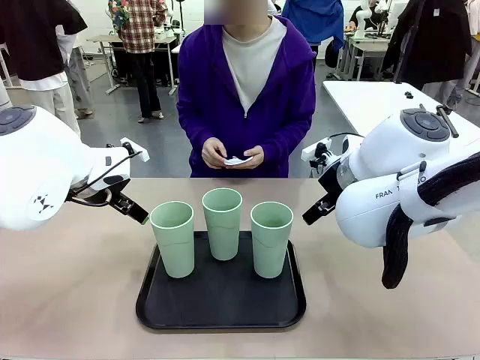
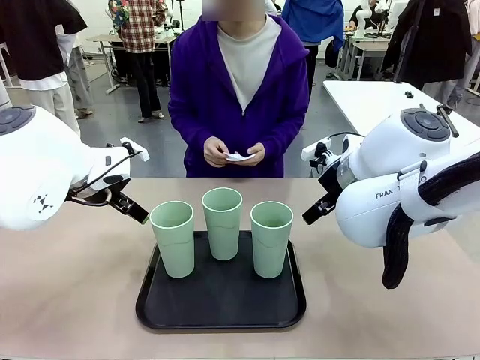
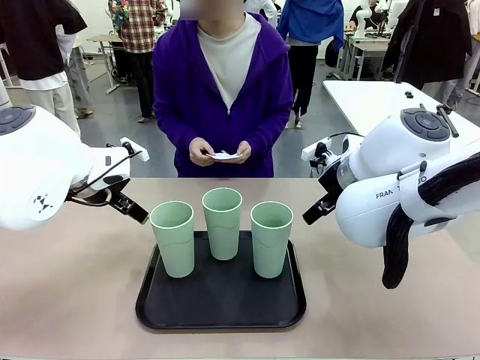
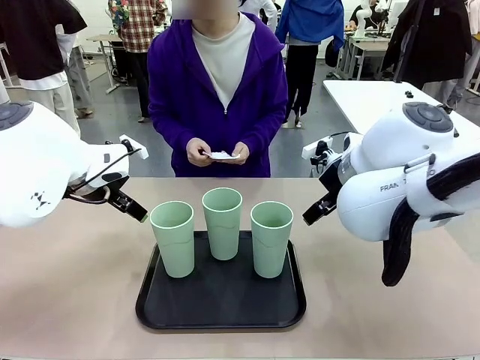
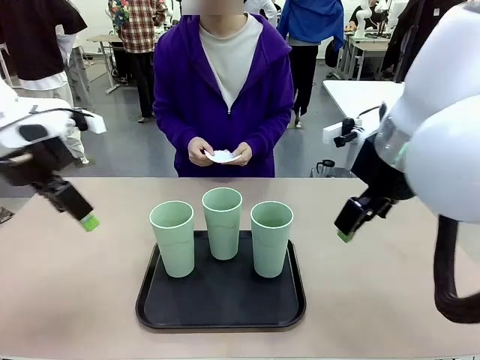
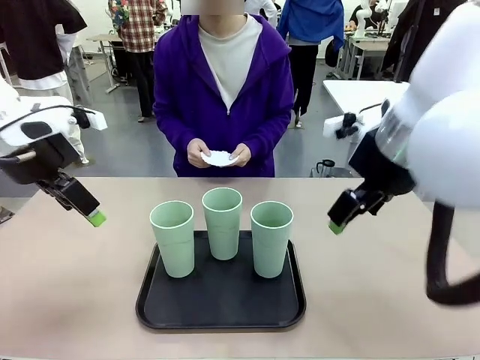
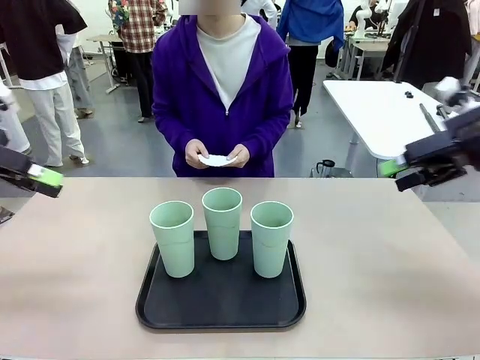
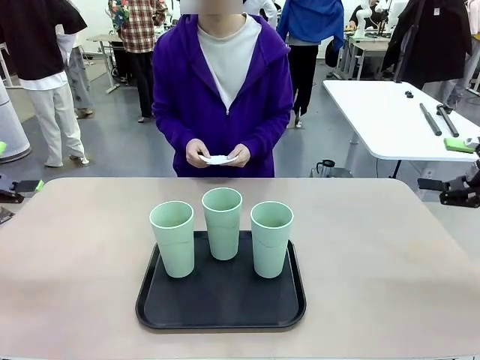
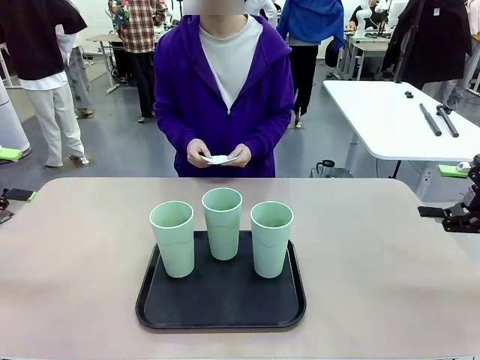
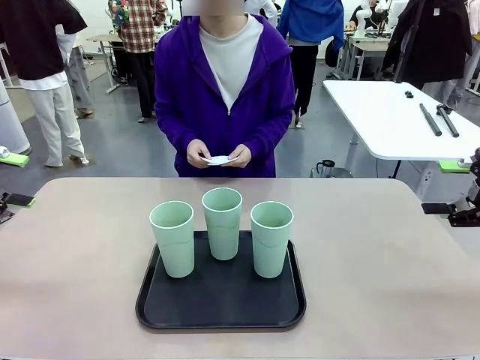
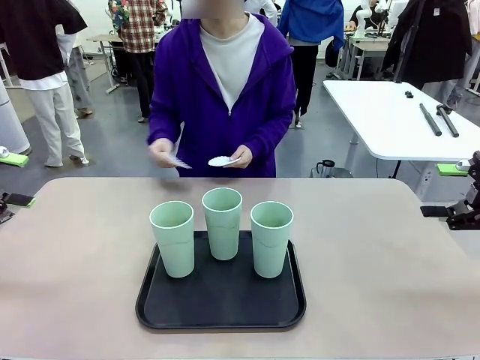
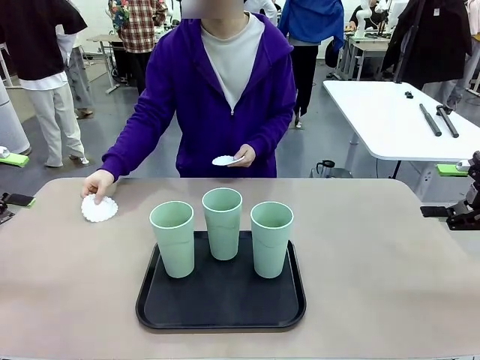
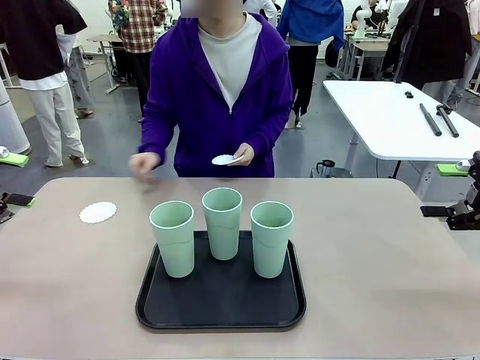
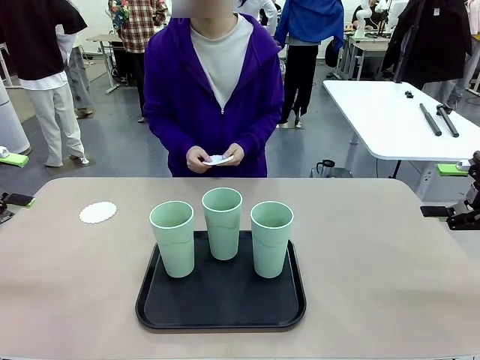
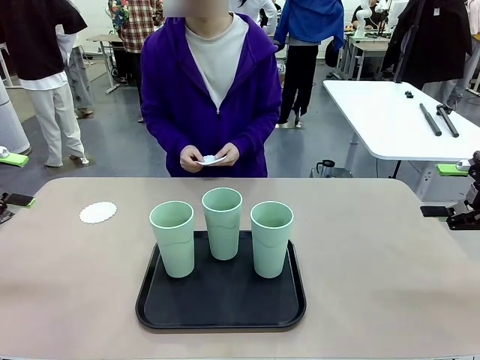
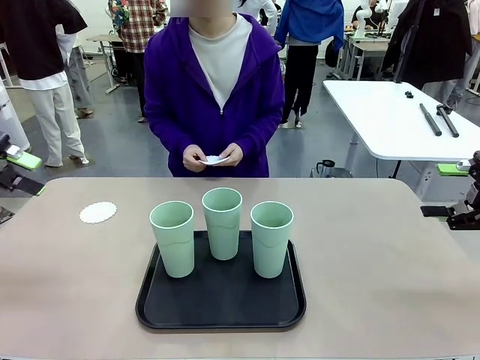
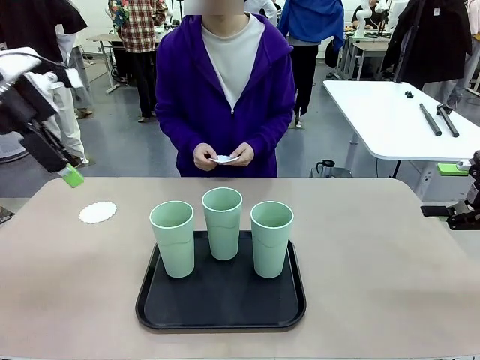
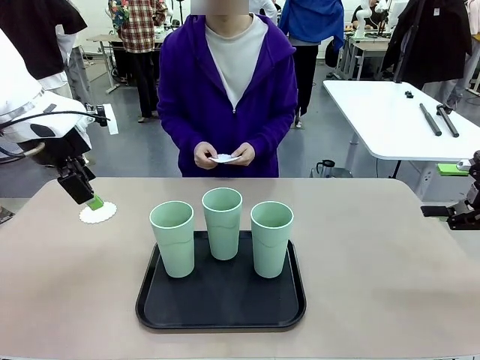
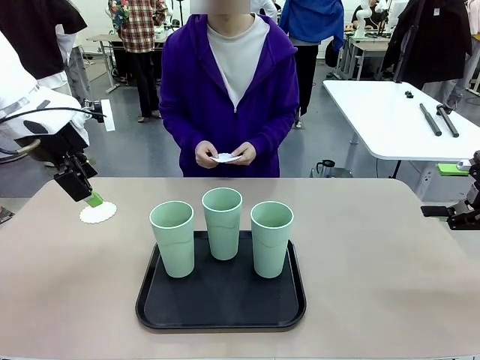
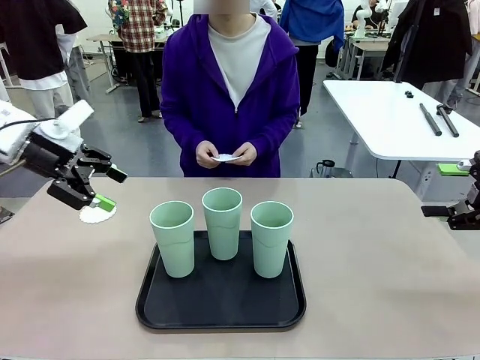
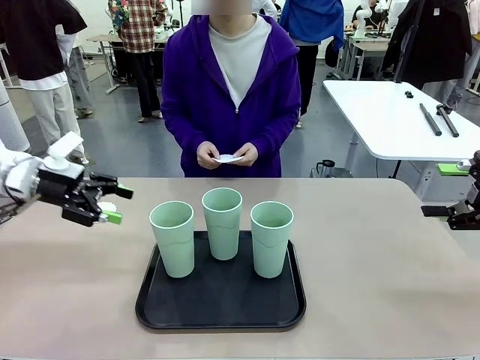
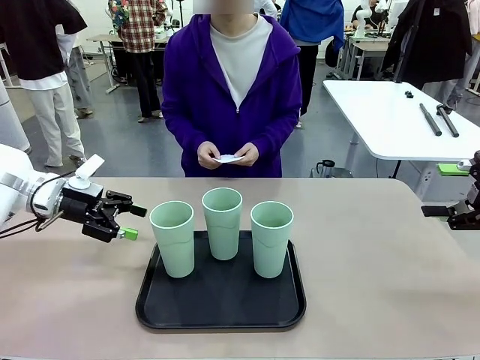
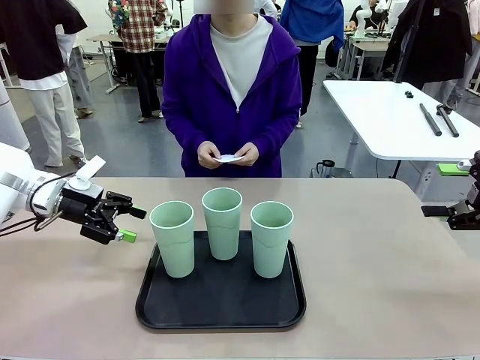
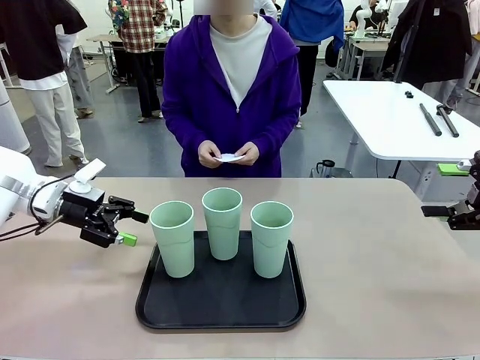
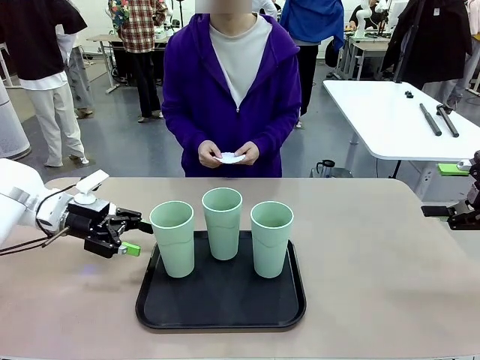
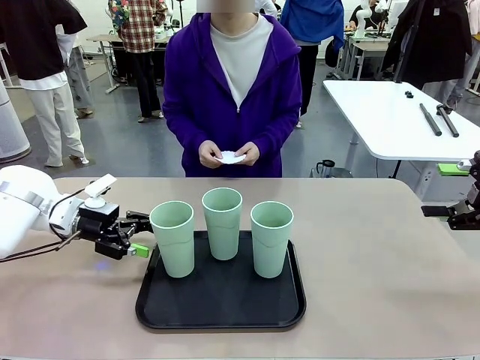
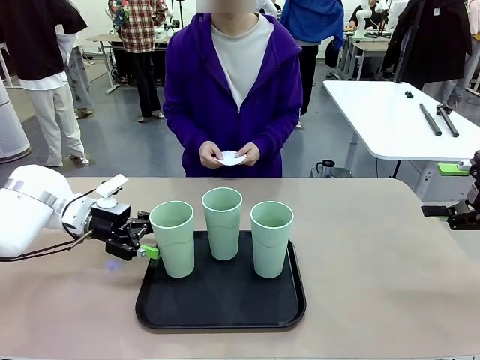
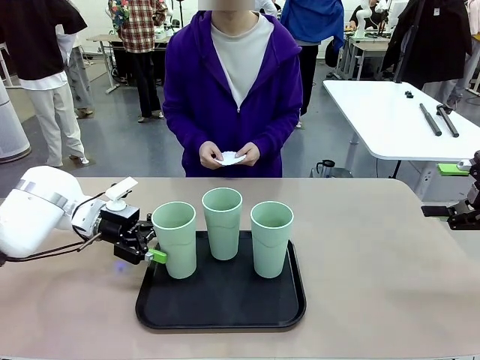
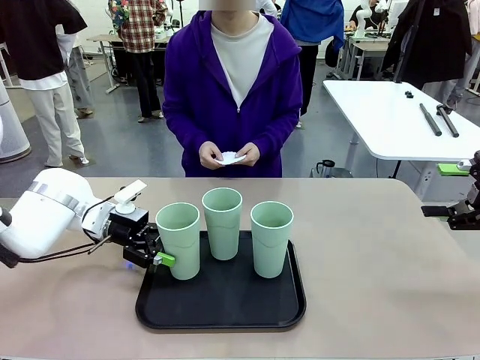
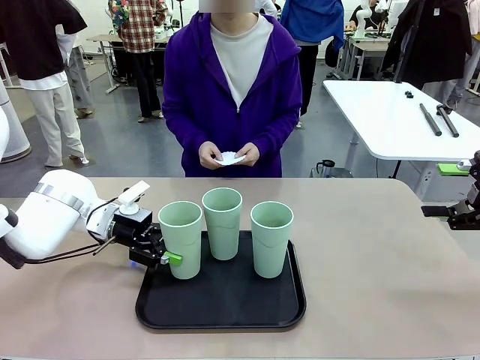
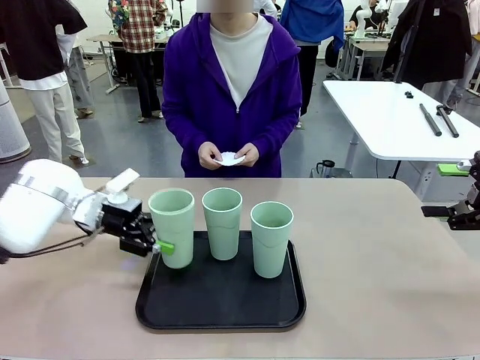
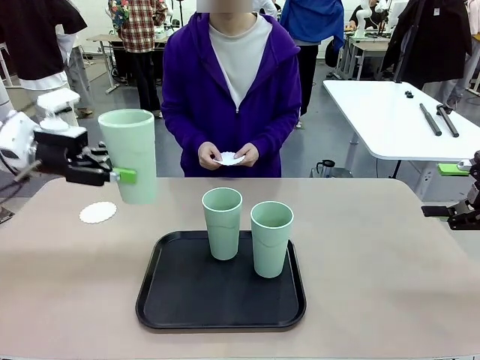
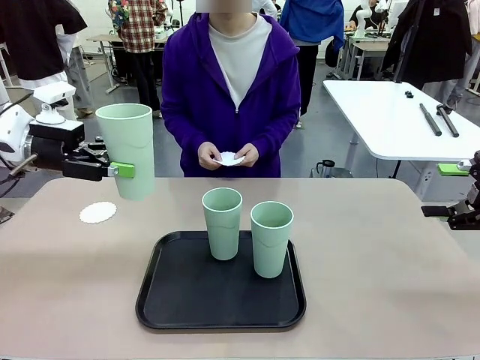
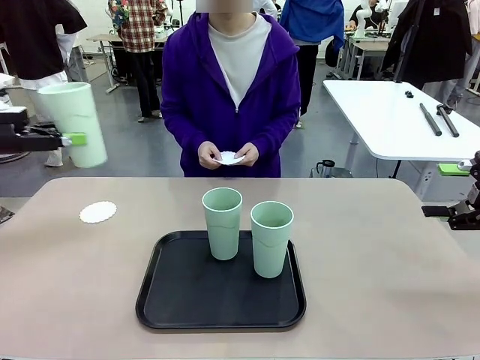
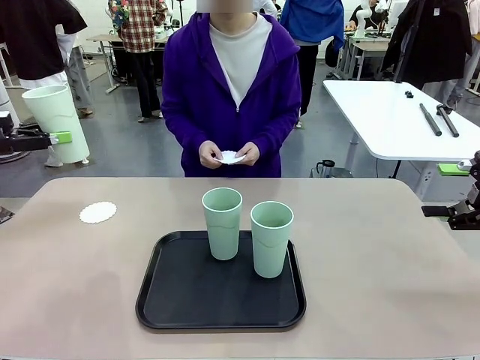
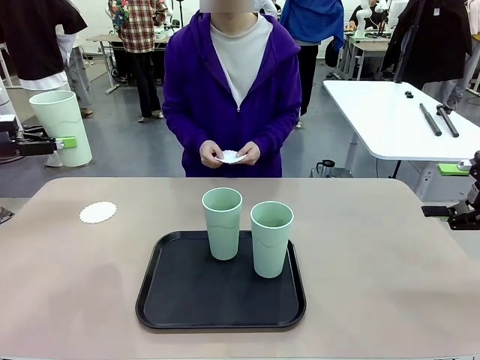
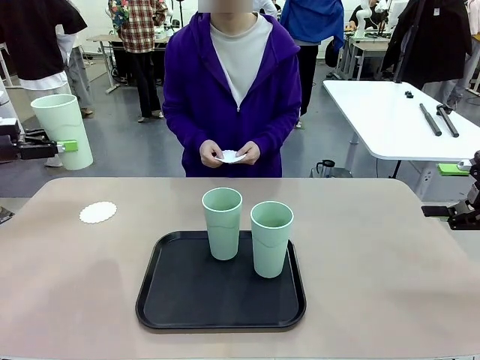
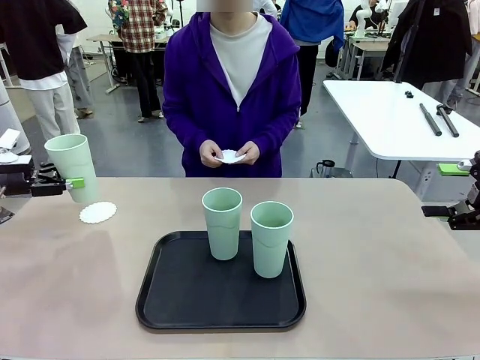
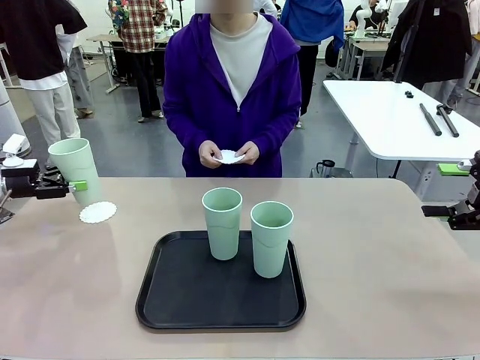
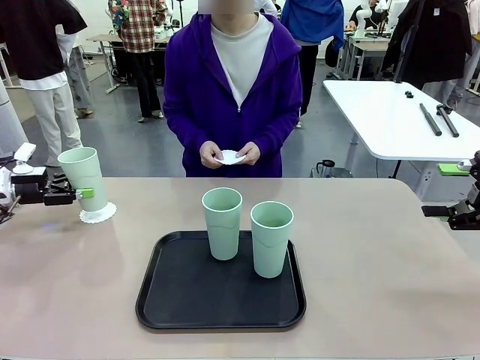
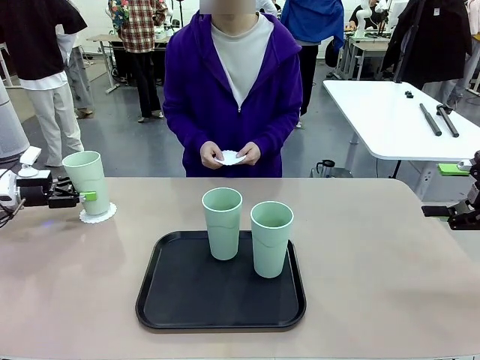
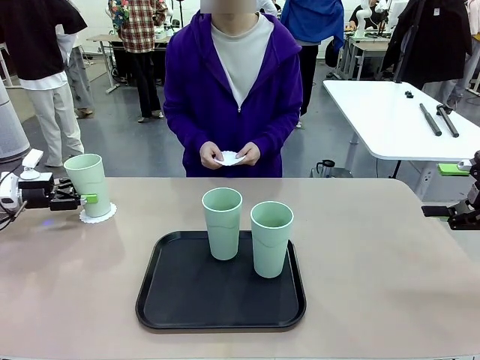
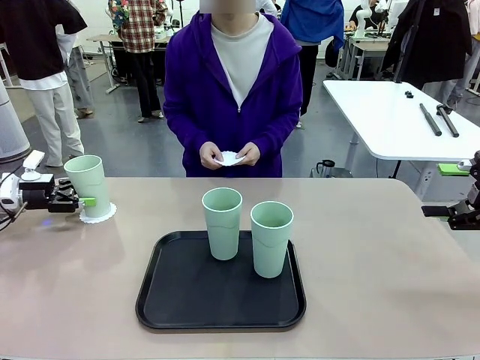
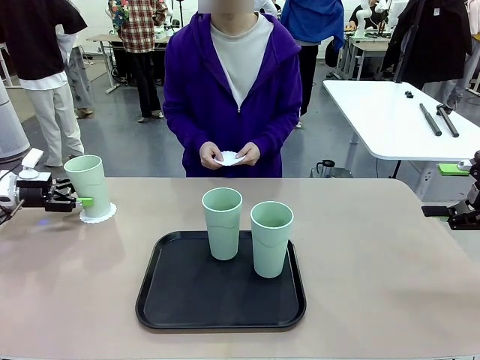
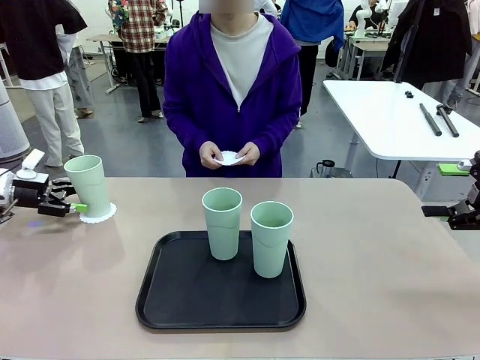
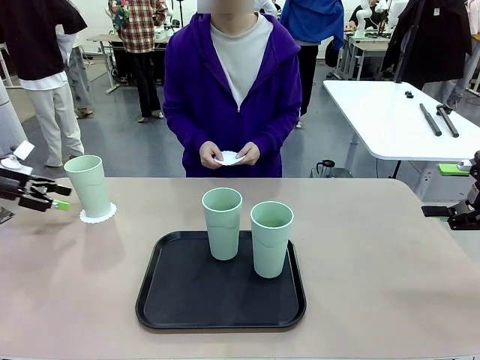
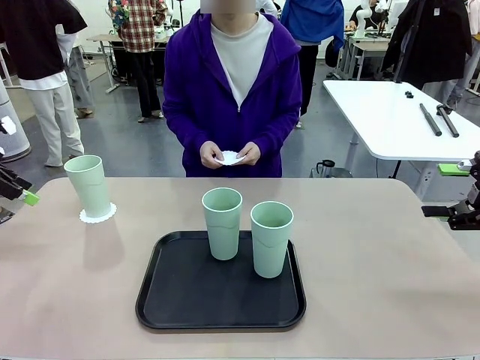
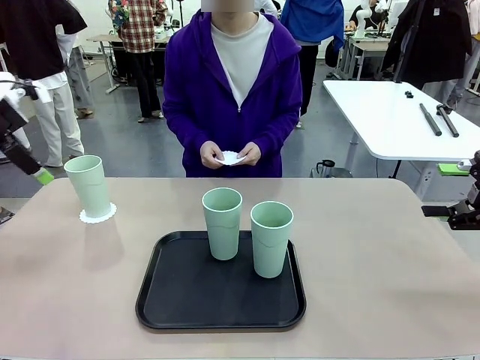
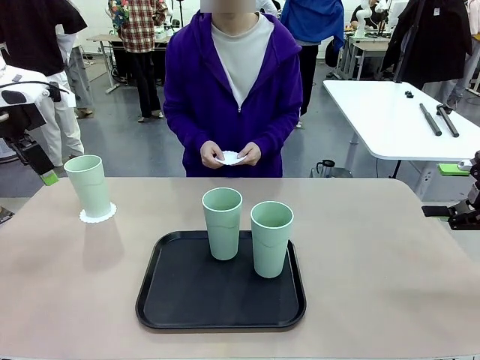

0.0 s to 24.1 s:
Task: Place coasters on the table and set cups on them.
Robot: Pick up one Reusable plastic cup and place it on a coaster set by the human.
Person: Place one coaster in any one of the three lower areas of the robot table (left, center, or right). Place one coaster in one of the two areas excluding the previously selected area.
